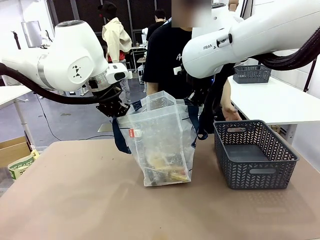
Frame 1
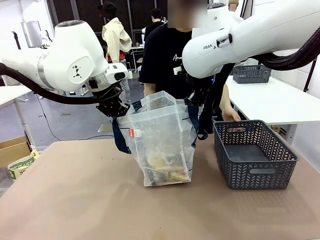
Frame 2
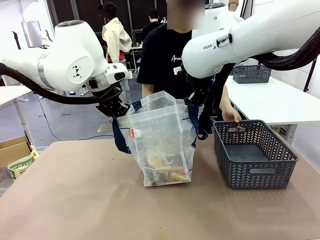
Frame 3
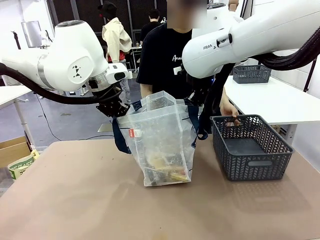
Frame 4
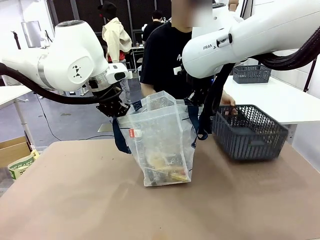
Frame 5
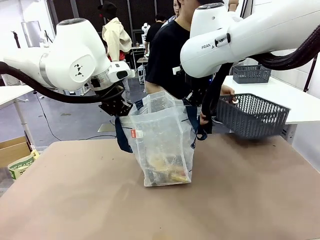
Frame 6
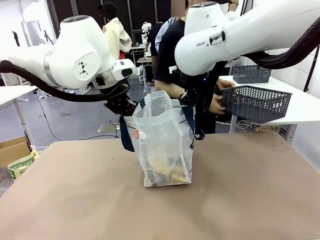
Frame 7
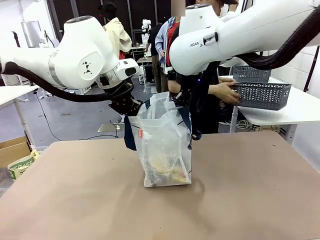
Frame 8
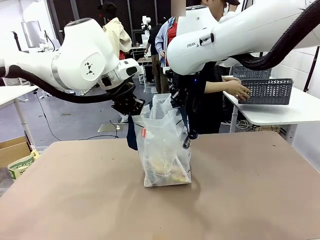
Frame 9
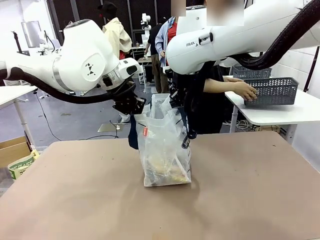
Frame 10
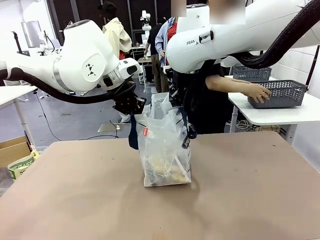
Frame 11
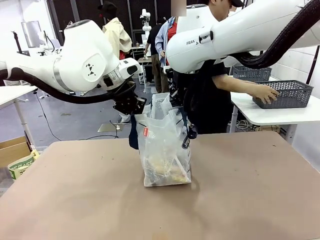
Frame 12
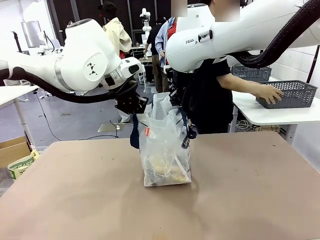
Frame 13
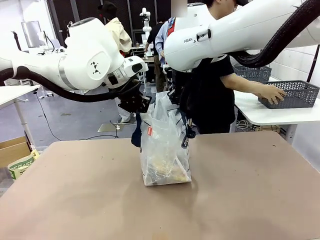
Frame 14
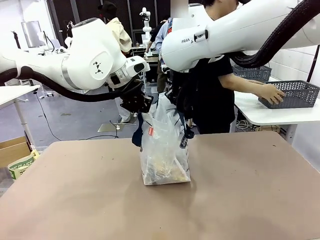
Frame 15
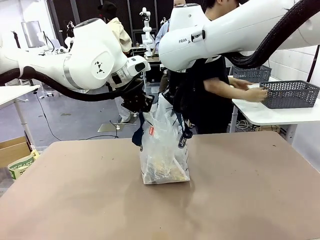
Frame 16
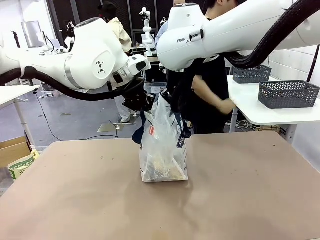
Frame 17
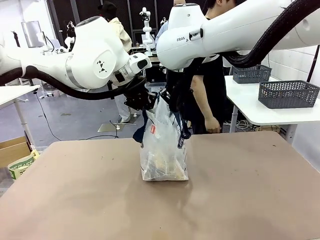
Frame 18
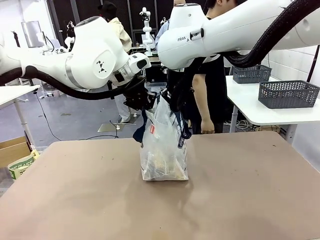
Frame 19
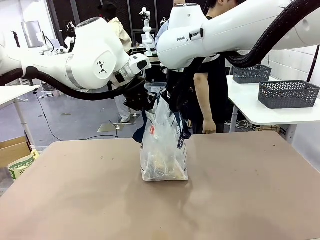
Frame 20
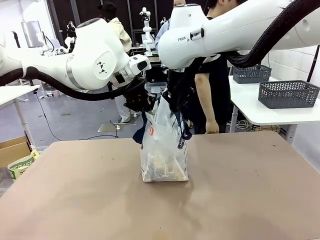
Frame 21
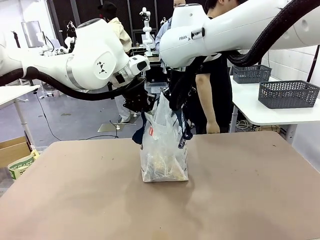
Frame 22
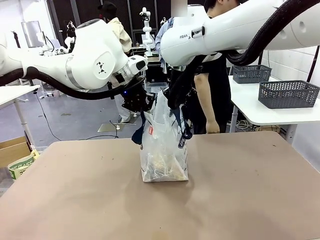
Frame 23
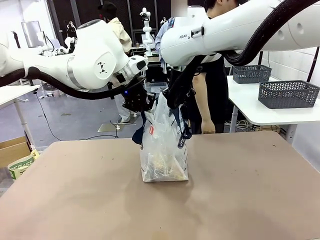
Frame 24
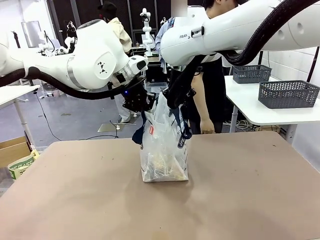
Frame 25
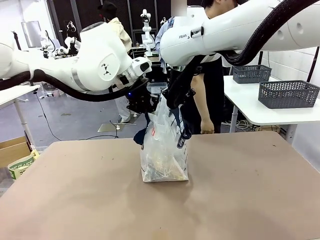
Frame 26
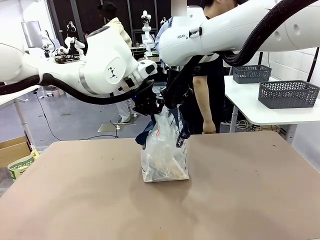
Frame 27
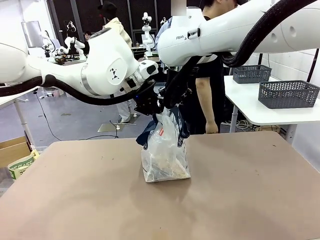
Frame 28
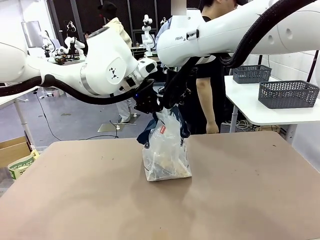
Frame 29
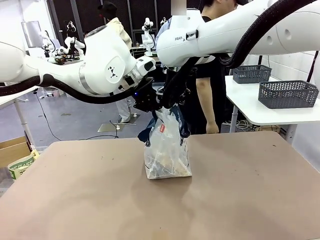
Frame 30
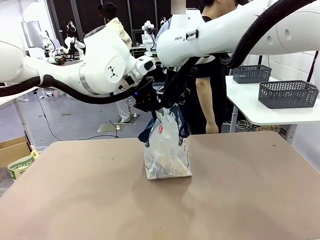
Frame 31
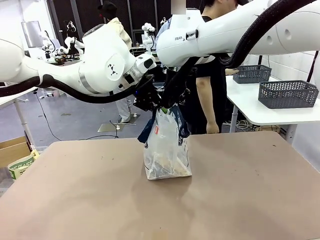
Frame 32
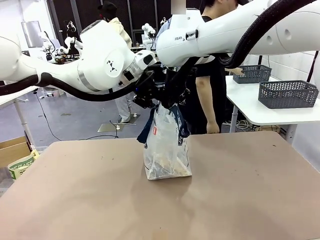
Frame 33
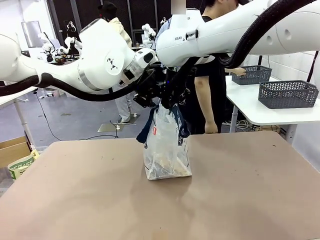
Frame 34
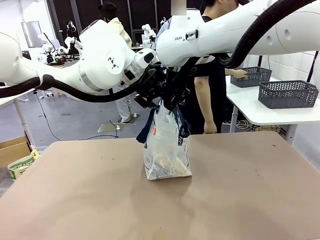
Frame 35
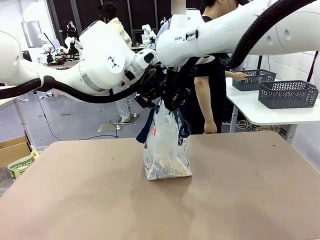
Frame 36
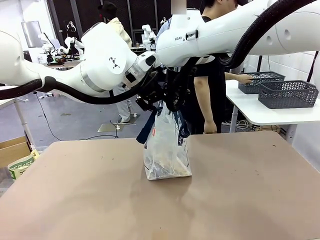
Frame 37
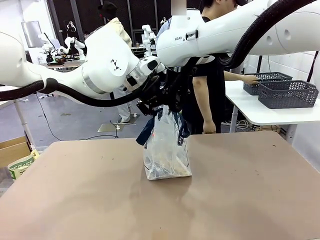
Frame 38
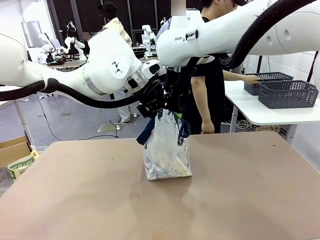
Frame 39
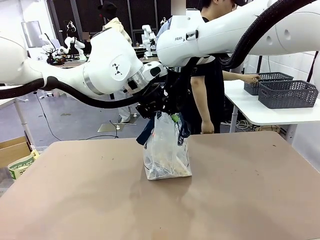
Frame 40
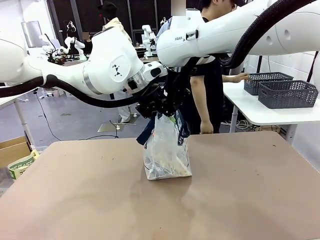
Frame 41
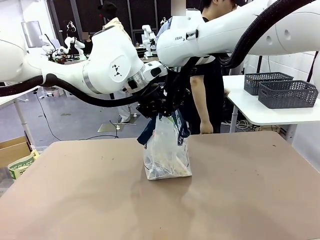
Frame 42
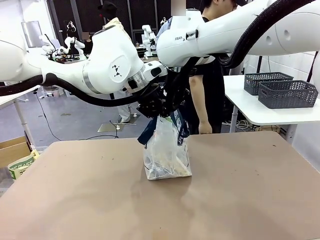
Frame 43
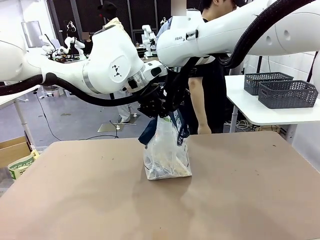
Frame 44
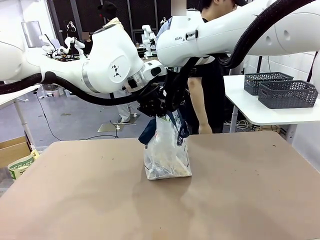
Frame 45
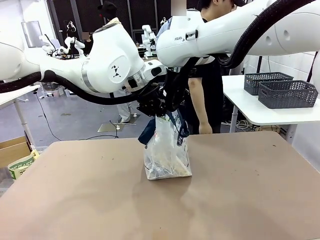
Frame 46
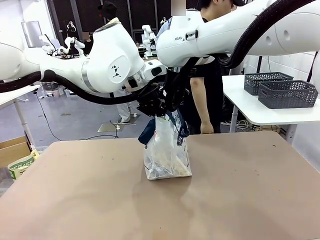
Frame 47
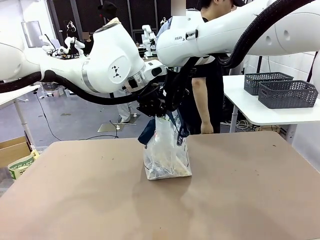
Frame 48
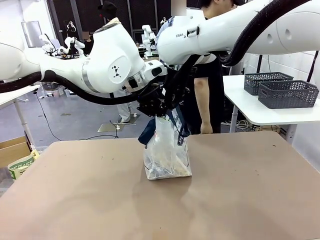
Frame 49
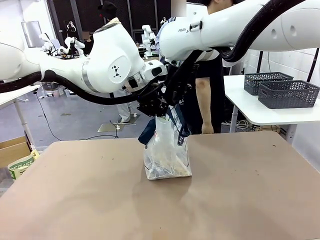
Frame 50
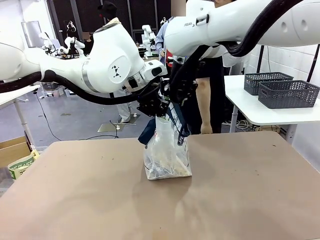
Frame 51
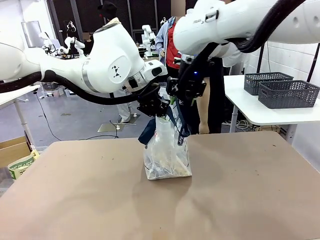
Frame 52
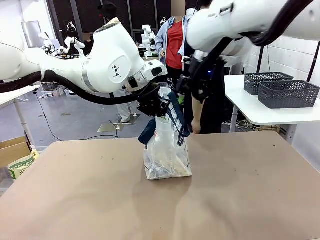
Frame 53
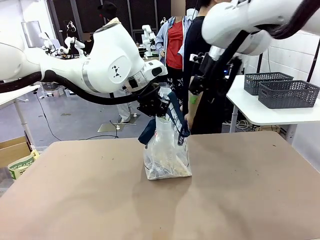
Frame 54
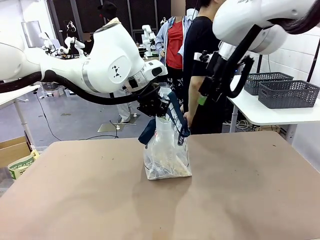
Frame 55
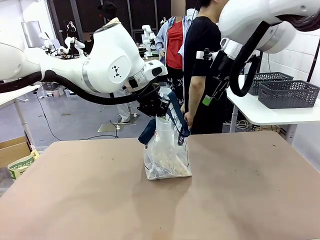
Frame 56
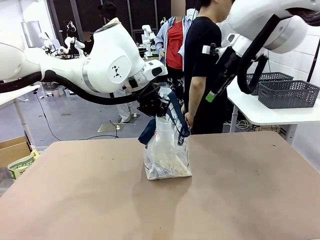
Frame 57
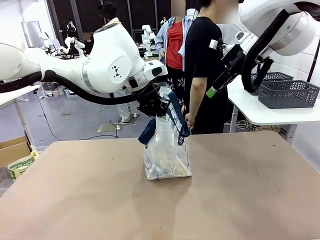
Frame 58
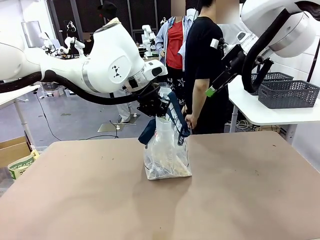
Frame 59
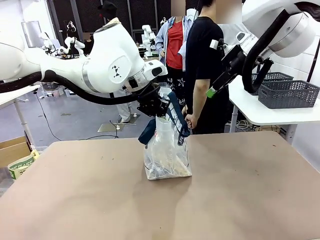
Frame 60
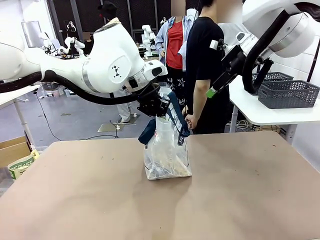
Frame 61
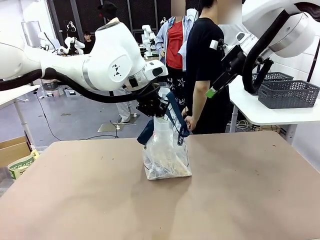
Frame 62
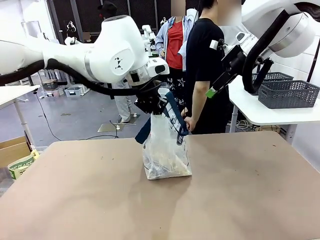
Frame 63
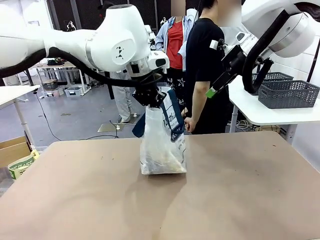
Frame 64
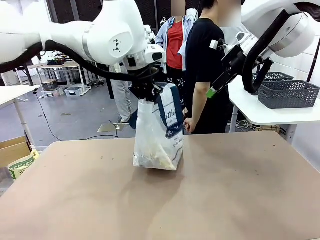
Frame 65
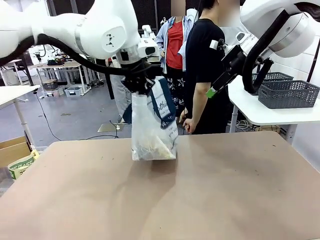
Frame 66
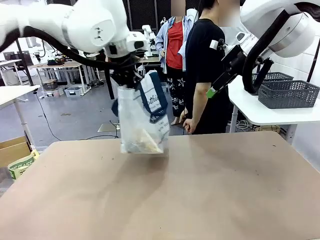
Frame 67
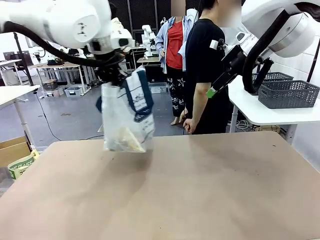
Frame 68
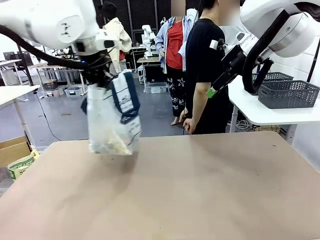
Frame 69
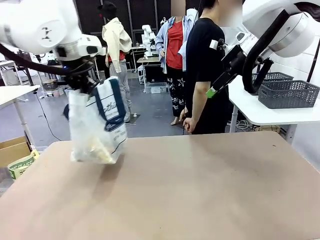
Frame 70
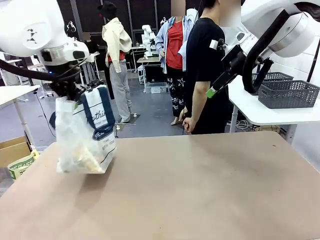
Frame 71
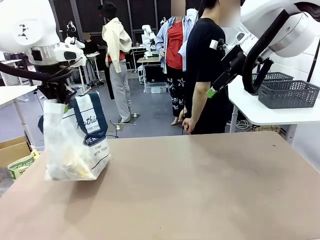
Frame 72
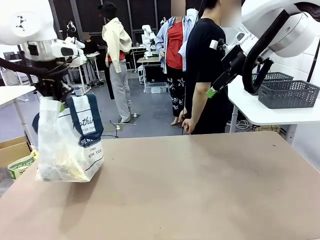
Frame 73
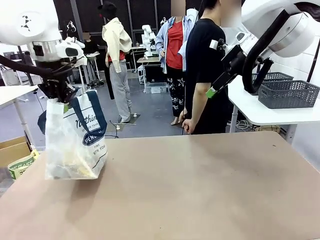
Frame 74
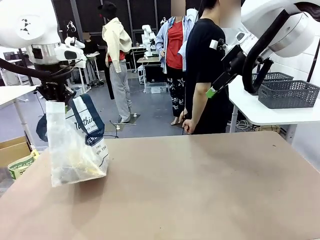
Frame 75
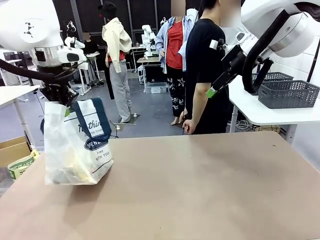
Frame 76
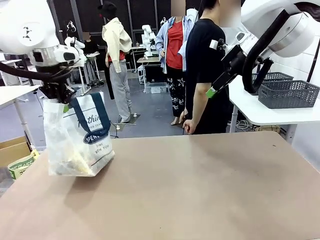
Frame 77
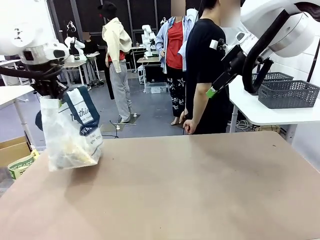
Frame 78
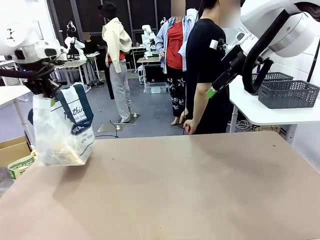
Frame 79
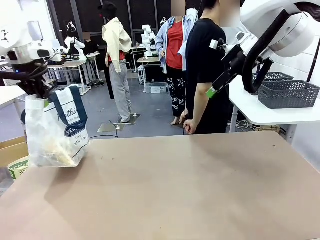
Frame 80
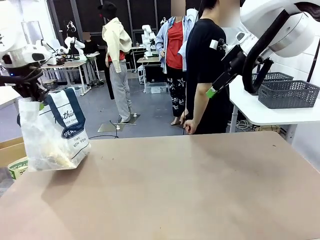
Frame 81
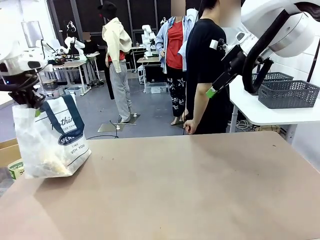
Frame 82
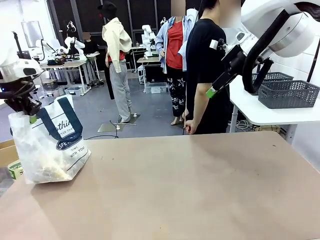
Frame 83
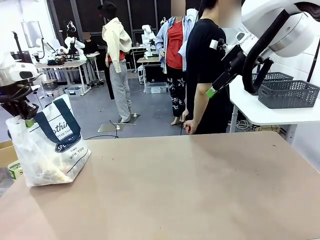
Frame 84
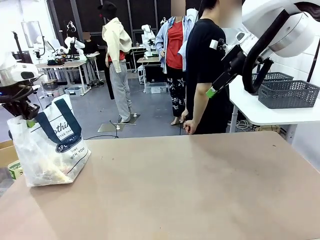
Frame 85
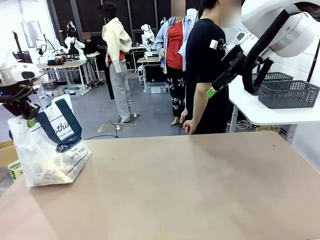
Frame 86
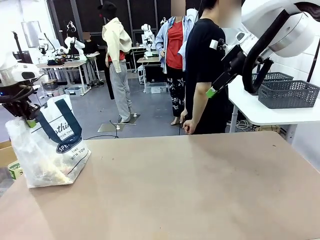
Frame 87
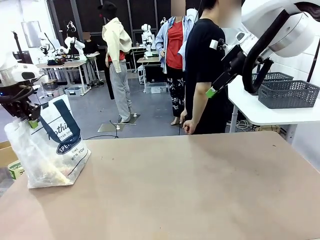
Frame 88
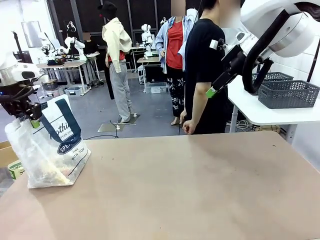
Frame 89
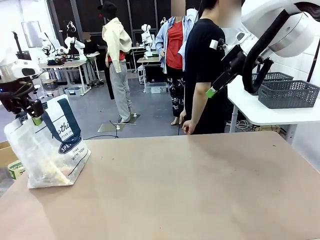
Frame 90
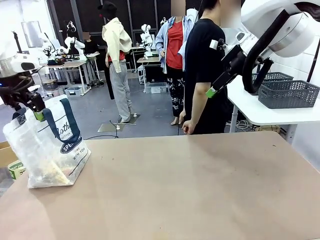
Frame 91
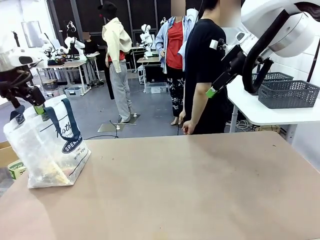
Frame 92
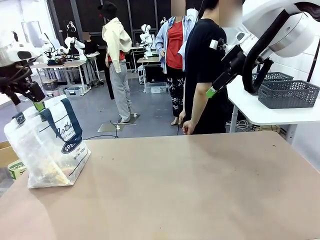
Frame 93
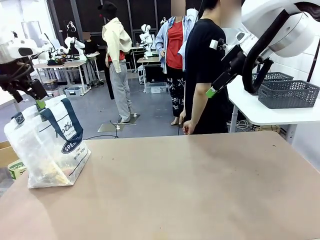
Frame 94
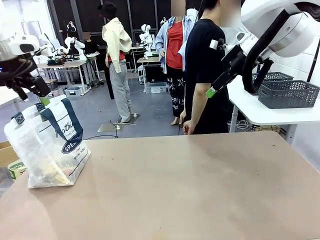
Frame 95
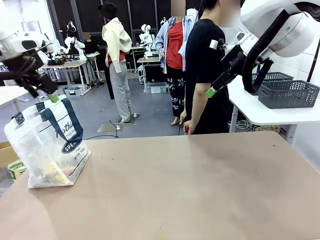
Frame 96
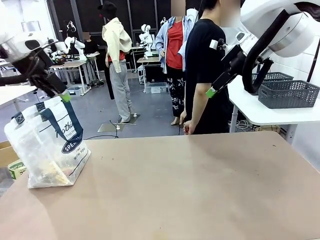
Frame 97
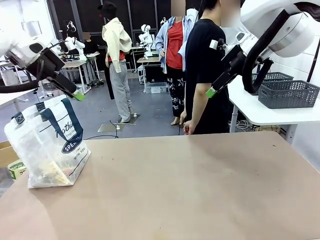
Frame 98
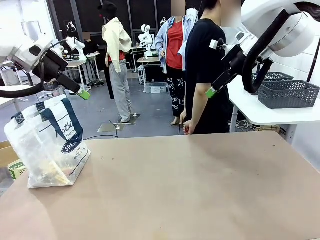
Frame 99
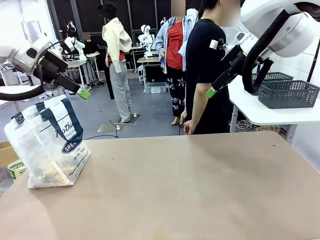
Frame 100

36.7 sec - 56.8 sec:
Task: Transfer purchased items from the store into the shopping bag.
Robot: Move the Reusable shopping bag to the right side of the table.
Person: Pick up the basket with the items out and place it on the right side of the human table. Move the basket on the left to the middle of the person's table.
